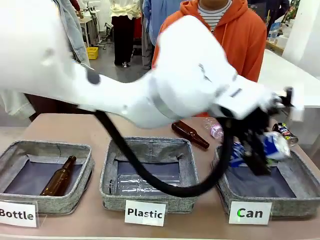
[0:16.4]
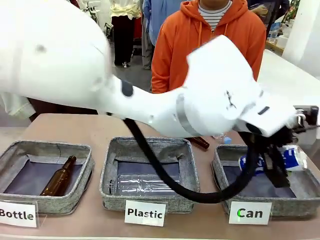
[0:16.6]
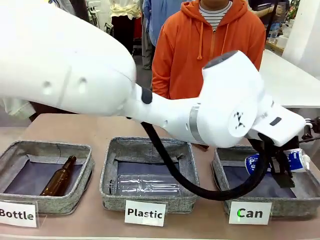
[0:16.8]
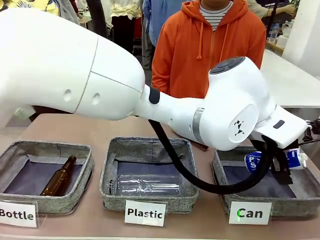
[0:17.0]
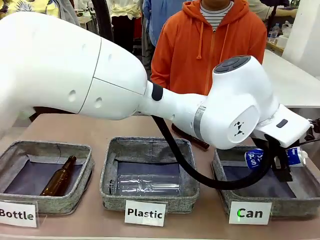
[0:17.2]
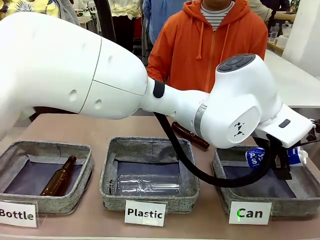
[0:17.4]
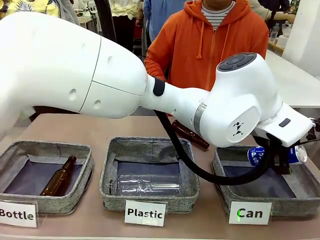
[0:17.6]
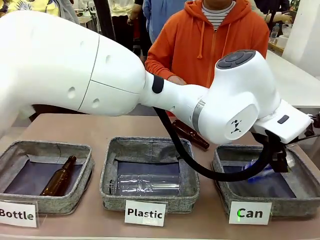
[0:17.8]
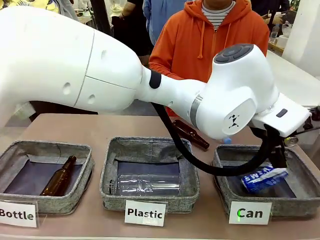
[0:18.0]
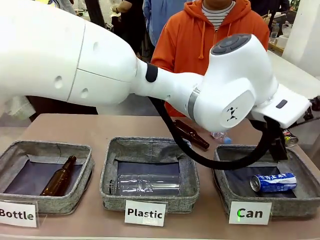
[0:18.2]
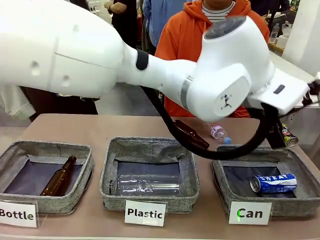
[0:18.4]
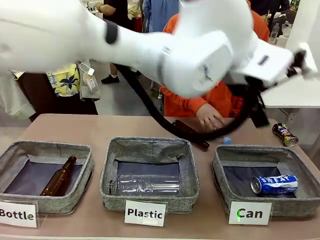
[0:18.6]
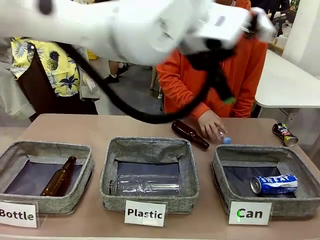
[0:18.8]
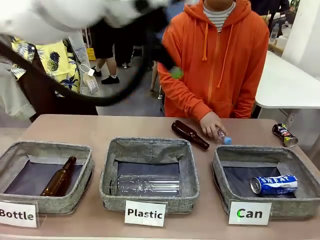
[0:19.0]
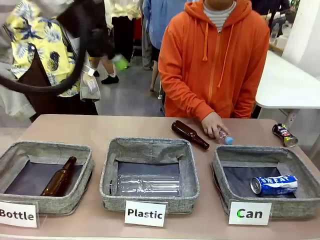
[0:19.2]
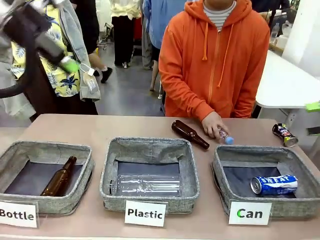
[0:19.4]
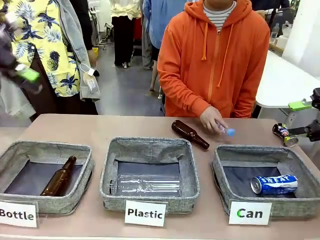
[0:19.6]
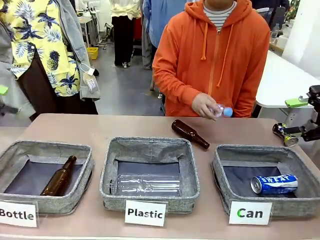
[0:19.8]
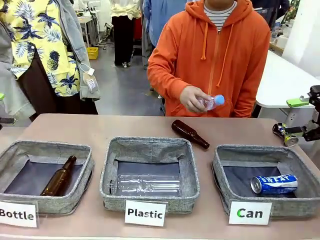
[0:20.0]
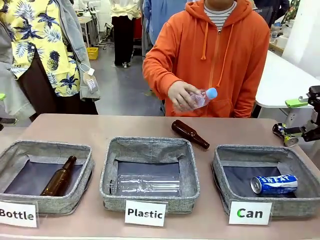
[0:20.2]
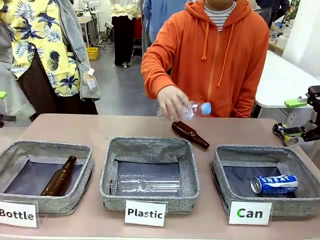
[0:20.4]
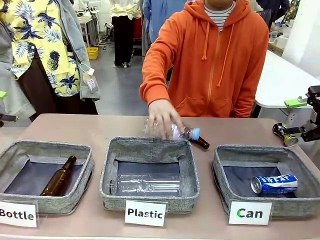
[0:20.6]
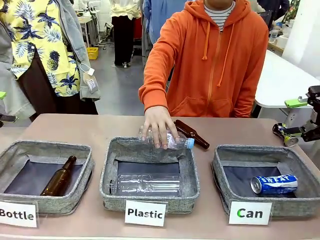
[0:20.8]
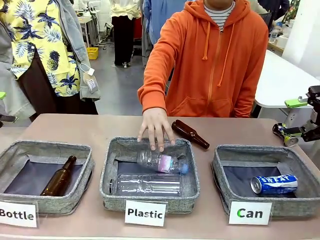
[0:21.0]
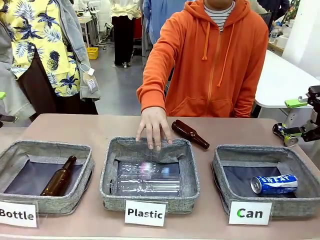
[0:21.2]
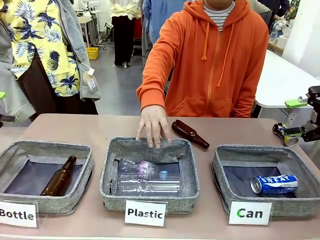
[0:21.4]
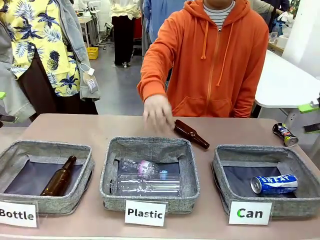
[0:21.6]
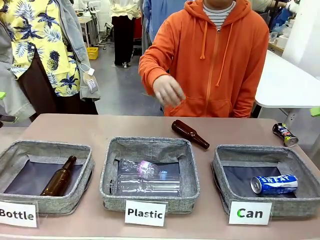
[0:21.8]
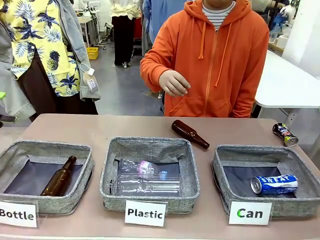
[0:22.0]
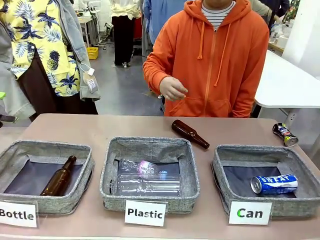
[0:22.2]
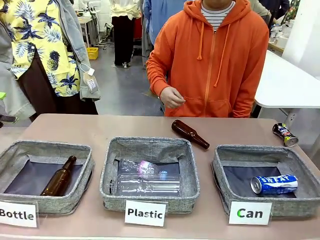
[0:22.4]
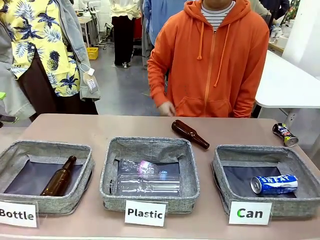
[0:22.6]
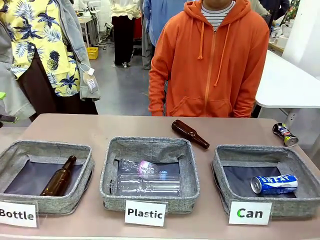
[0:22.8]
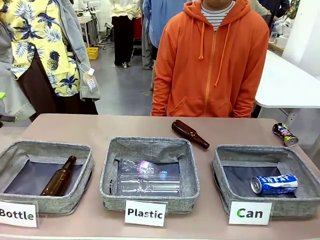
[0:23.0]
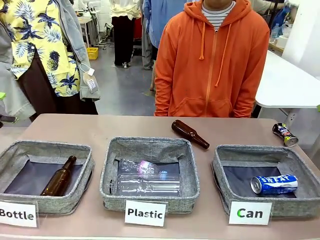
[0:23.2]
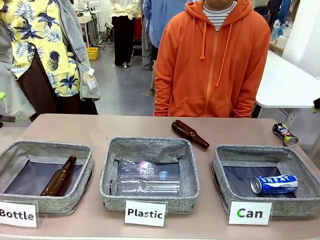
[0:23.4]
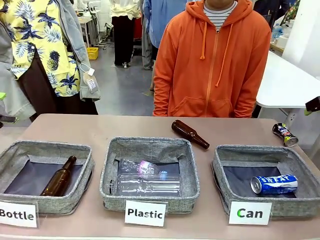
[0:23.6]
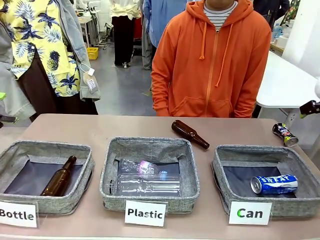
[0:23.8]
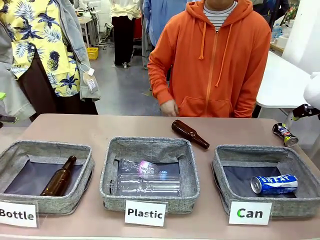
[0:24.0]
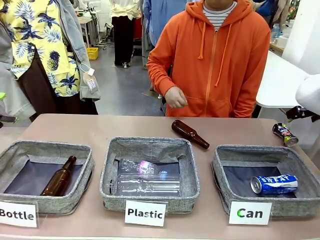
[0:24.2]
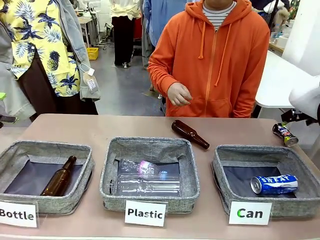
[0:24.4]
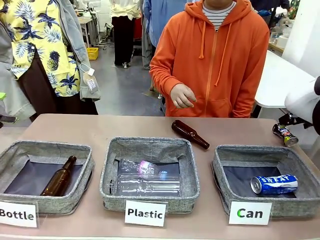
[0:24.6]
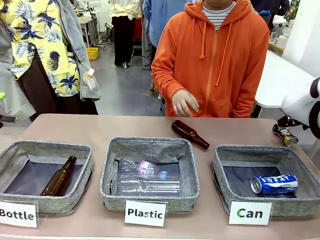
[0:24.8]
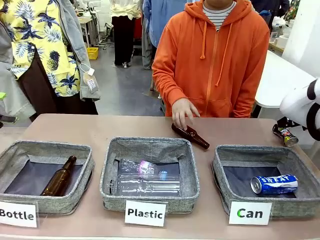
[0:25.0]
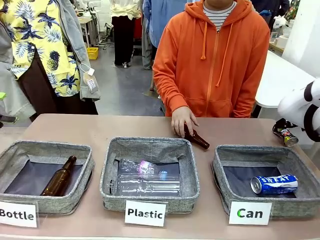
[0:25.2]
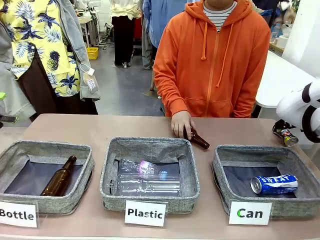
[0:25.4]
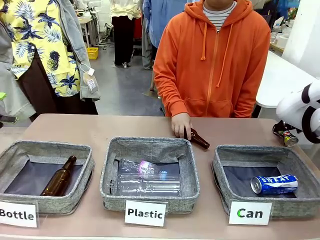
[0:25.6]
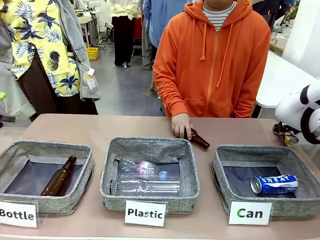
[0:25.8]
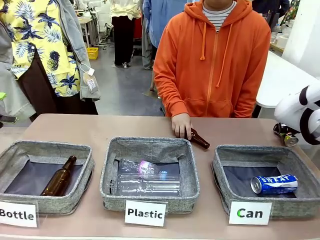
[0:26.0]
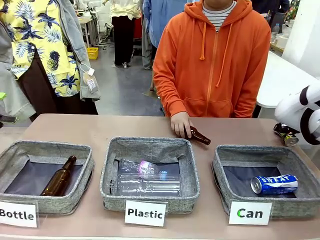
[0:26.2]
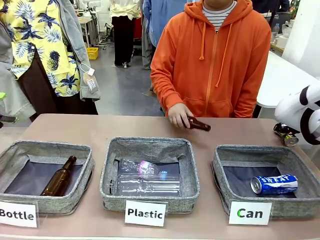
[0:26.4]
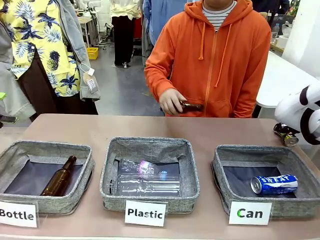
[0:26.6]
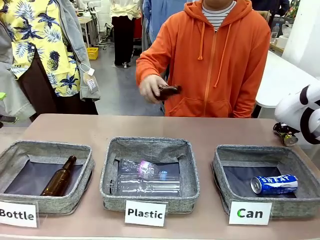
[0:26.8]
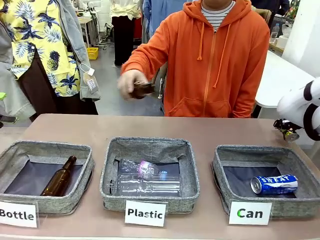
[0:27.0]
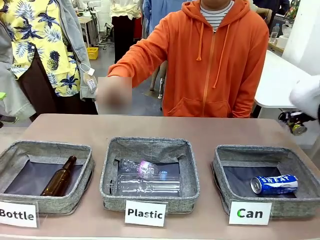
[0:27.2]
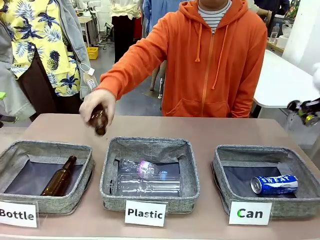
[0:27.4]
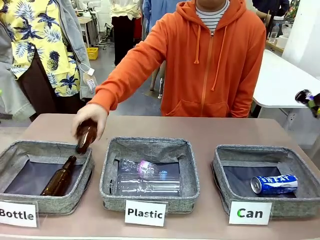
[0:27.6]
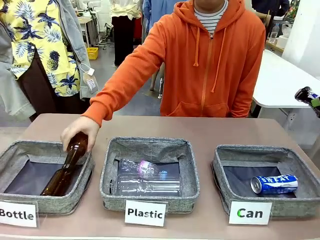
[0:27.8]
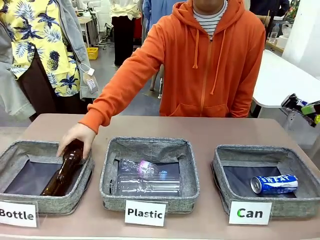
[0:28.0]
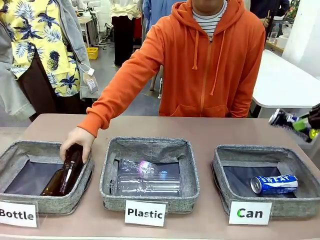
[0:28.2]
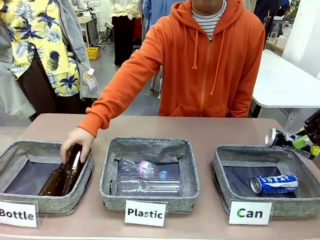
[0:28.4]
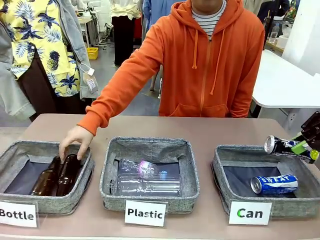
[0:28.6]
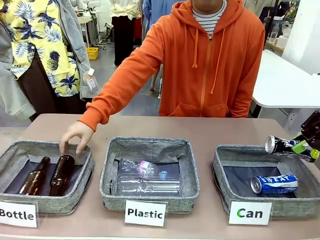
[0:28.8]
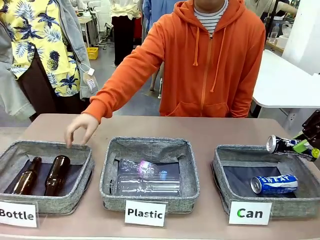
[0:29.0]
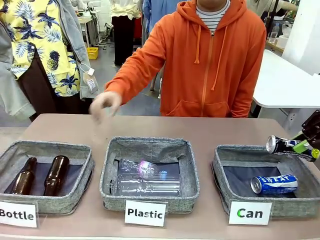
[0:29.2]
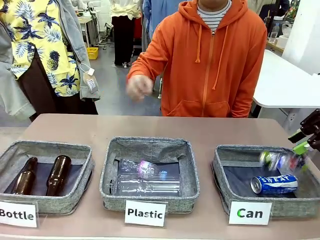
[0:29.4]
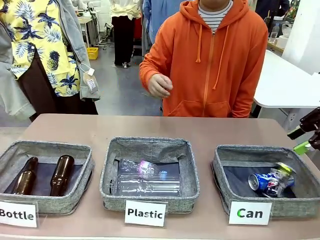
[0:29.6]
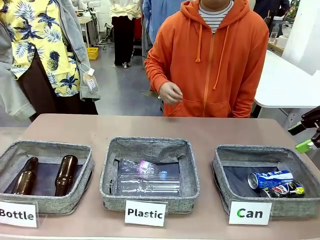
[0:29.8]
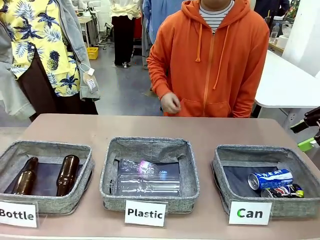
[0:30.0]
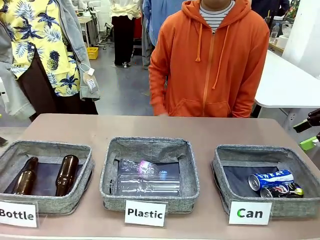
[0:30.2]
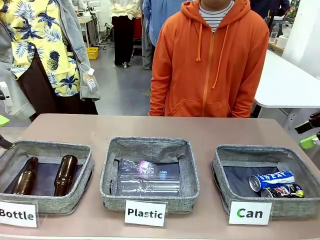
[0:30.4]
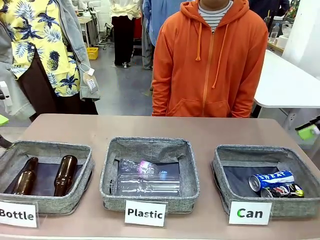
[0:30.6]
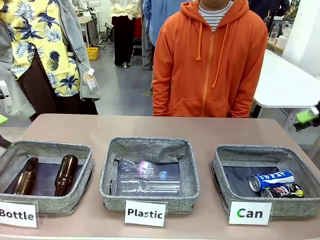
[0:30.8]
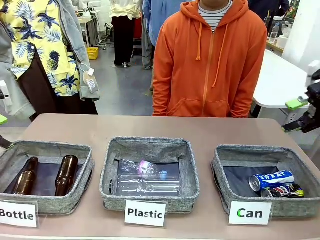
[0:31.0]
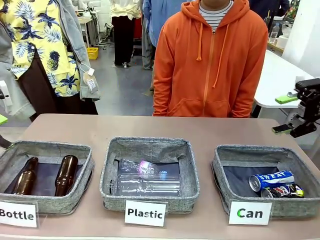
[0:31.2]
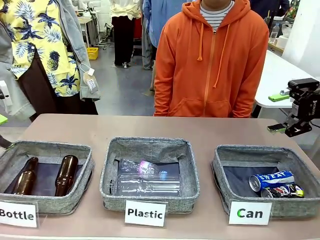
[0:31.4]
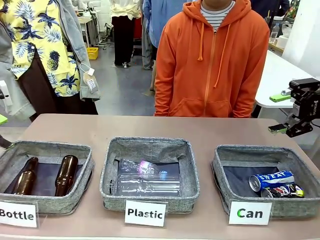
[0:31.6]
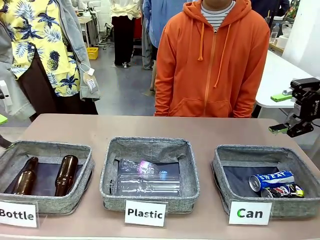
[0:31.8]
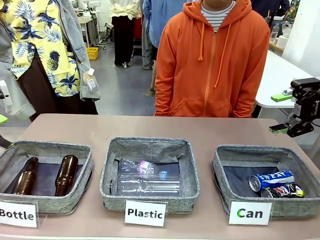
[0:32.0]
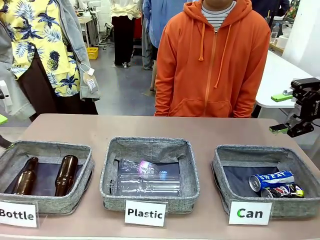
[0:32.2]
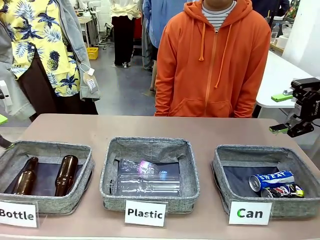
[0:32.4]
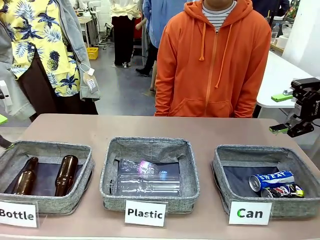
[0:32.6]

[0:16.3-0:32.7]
Task: Sort the can waste into the basket.
Robot: Pick up the can waste from the table and place it in the right Fabric basket.
Person: The human picks up one piece of trash that is not a can and places the trash into the appropriate organizing basket.
